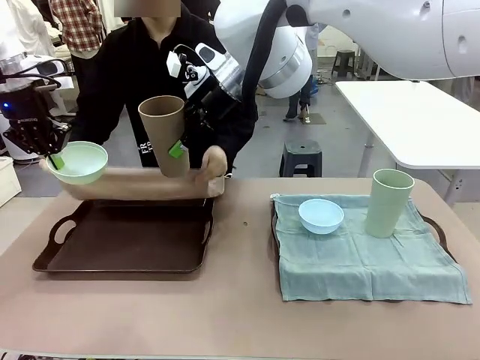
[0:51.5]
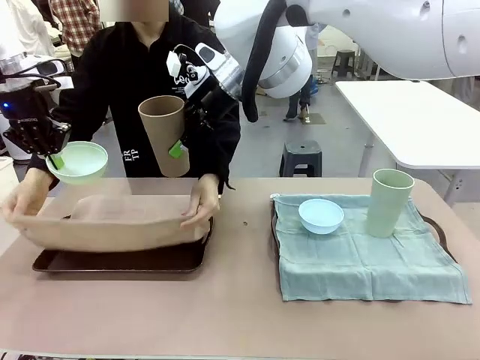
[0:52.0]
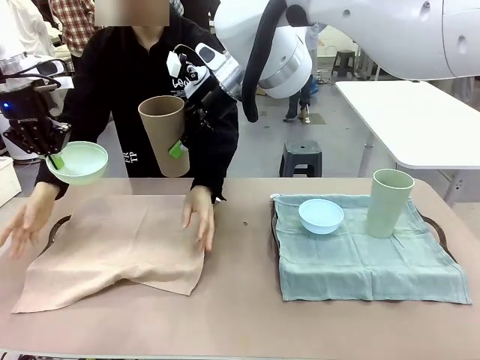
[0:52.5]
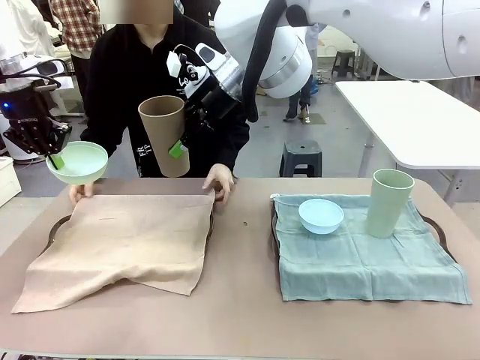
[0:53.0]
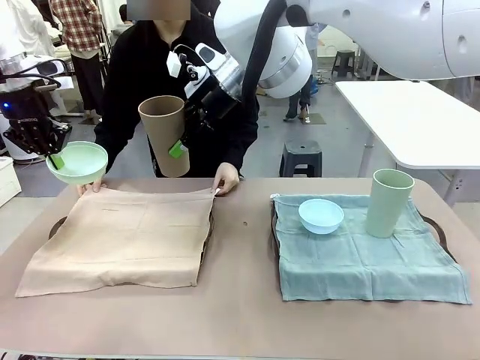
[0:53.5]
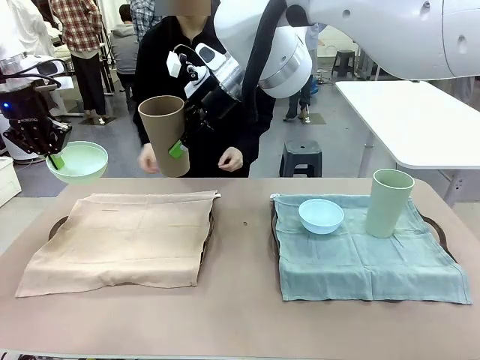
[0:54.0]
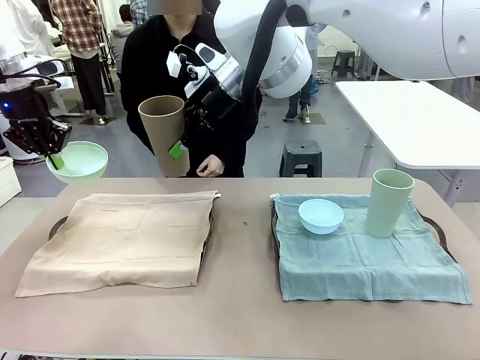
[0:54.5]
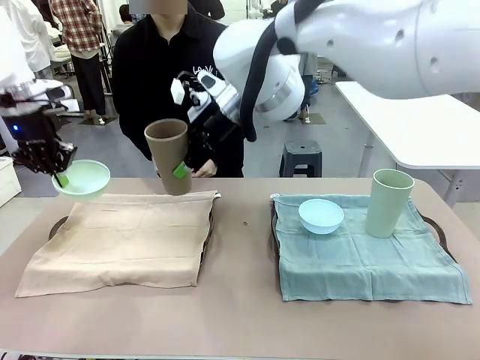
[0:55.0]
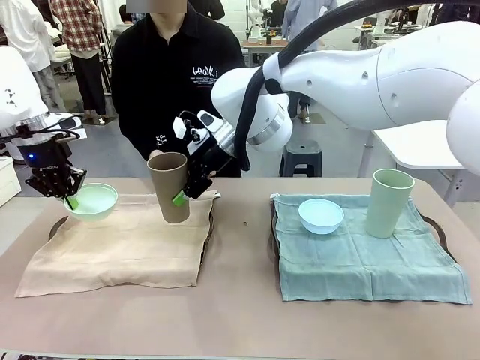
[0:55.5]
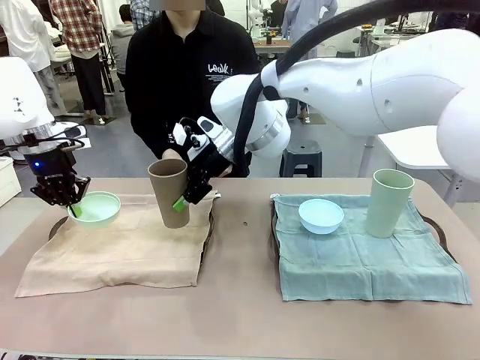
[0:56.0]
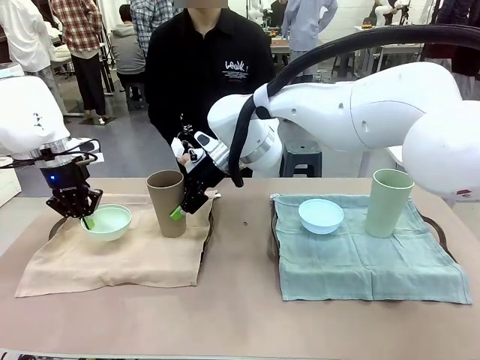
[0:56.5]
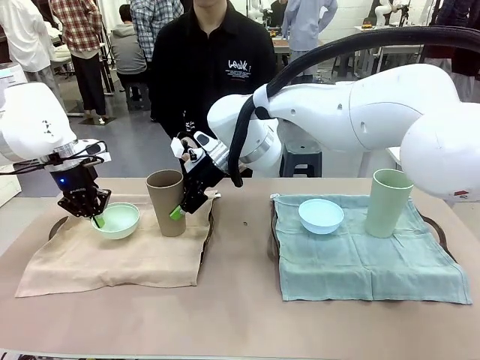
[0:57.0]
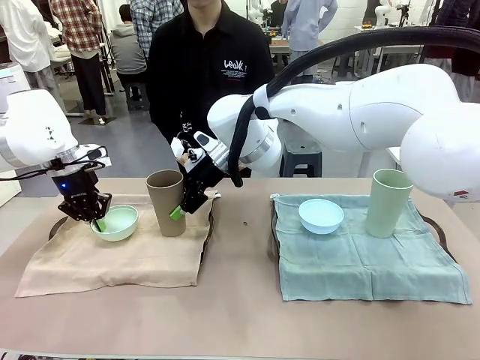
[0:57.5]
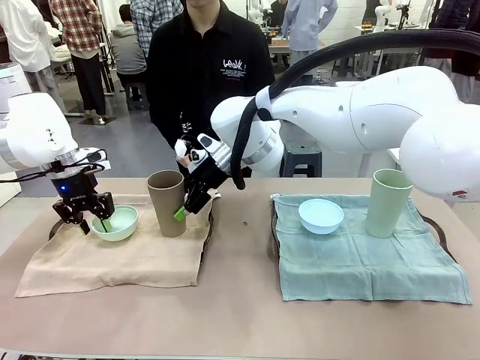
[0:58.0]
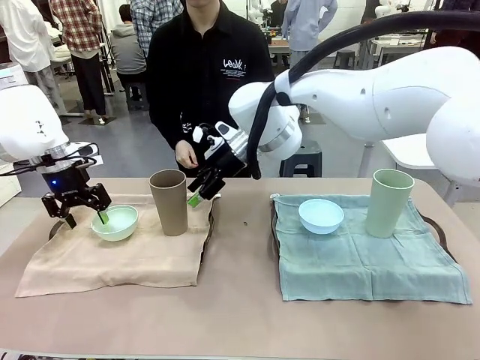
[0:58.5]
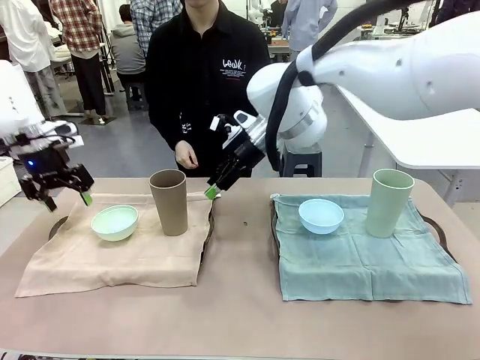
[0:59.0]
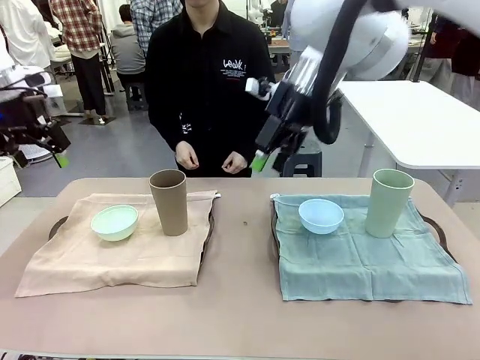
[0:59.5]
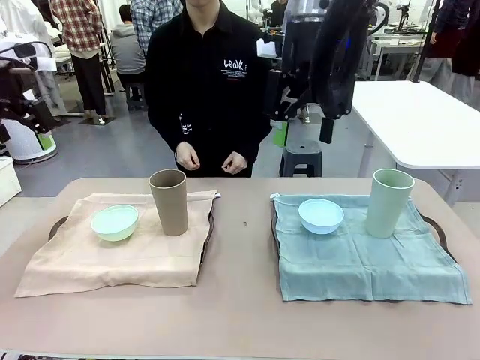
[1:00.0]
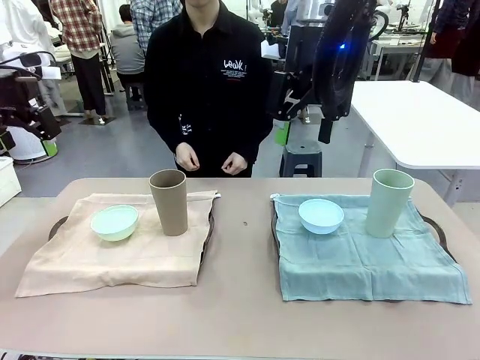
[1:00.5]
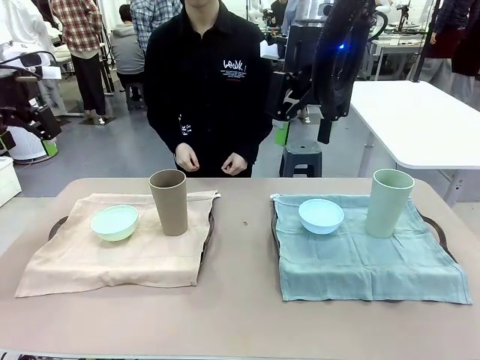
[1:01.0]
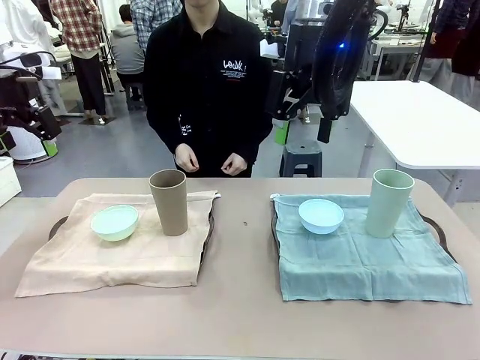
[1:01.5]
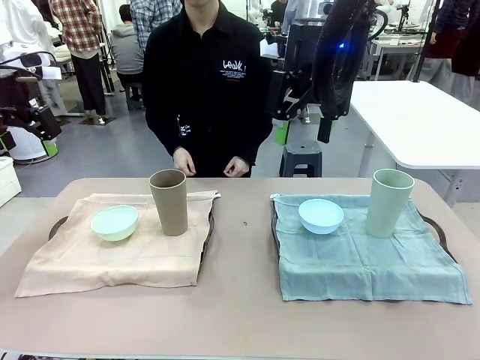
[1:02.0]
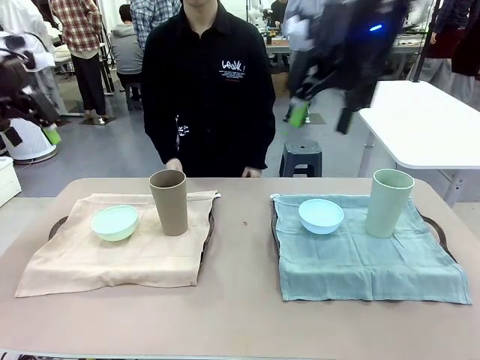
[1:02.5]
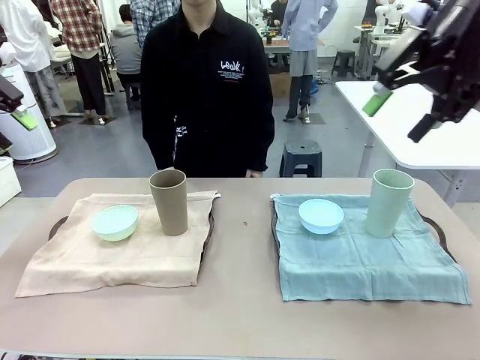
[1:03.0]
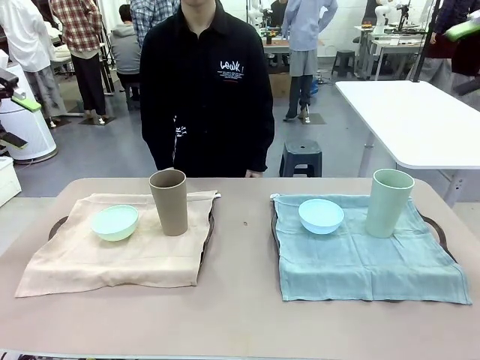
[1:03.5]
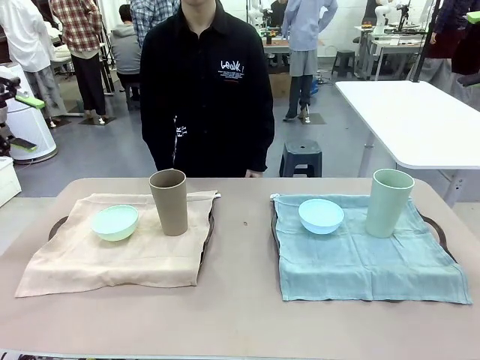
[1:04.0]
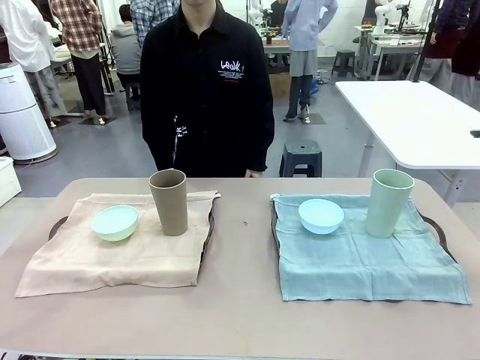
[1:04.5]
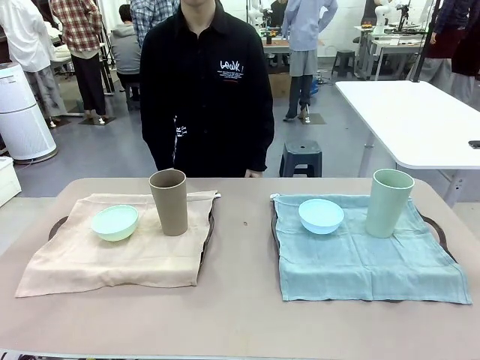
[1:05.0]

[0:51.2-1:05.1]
Robot: Place the Picnic Bowl and Reusable plastic cup back onto the Handle tray in front of the human's position.

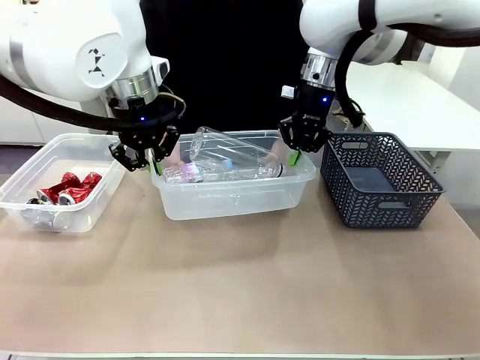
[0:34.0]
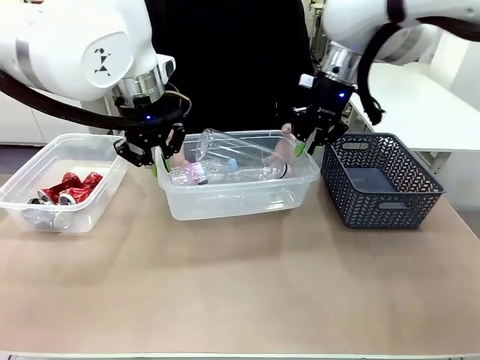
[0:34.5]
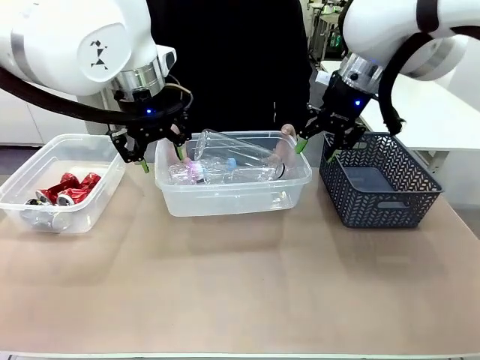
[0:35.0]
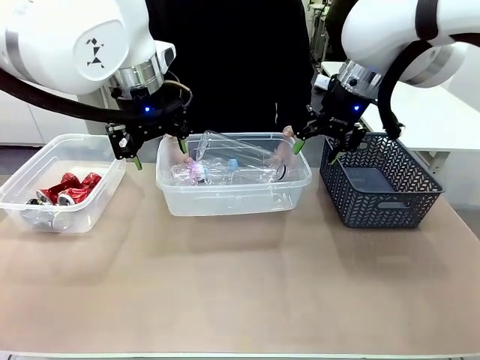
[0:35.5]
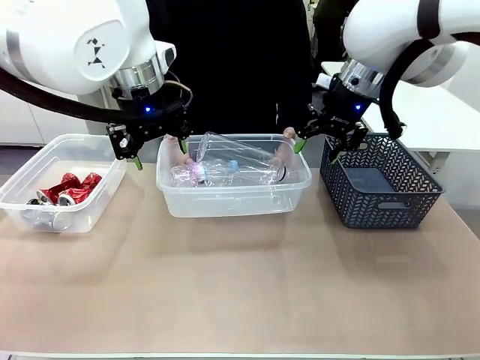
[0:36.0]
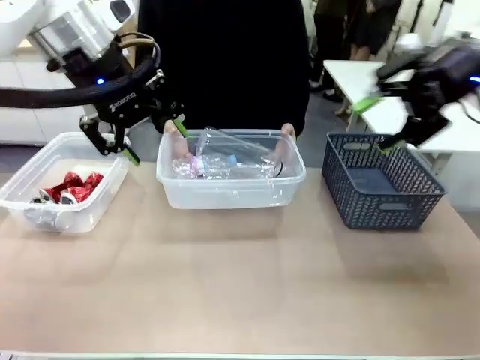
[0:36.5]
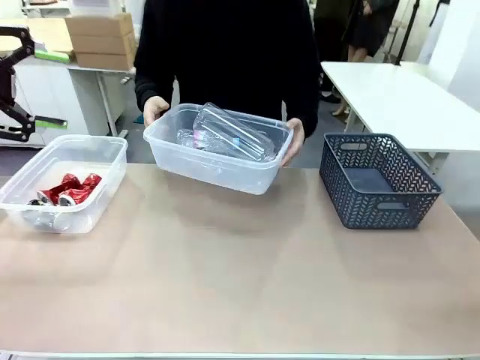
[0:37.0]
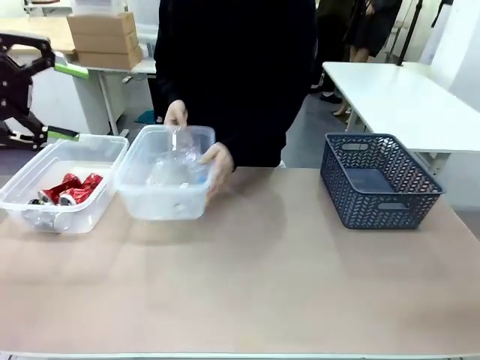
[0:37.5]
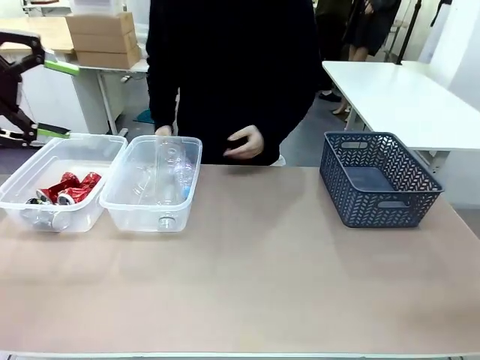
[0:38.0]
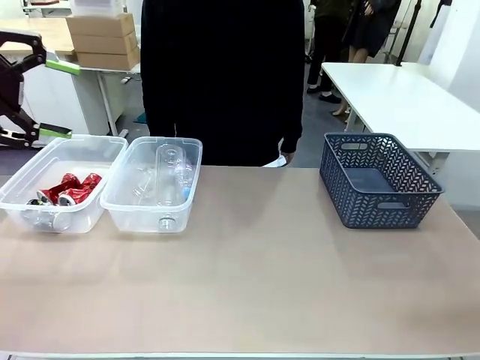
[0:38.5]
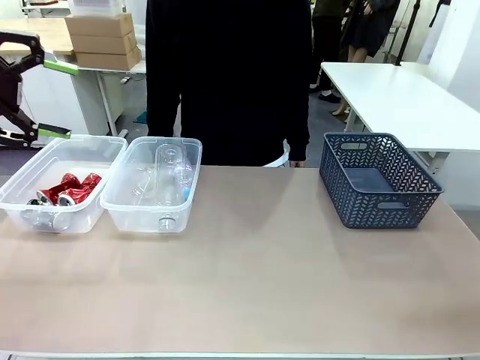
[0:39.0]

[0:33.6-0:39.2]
Robot: Release the Organizing box you were holding.
Person: Pick up the organizing box extended by the robot. Place the organizing box to the left of the sorting box containing the can waste.
